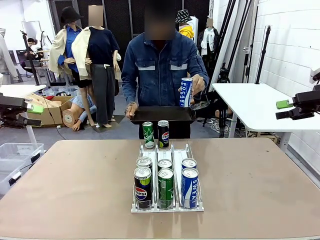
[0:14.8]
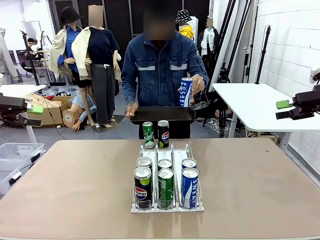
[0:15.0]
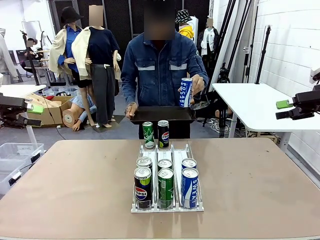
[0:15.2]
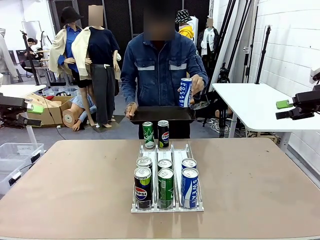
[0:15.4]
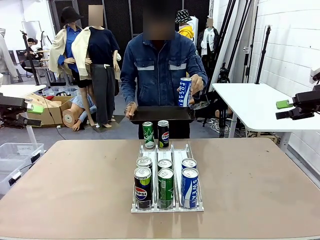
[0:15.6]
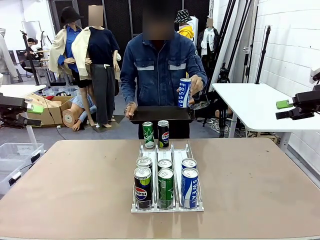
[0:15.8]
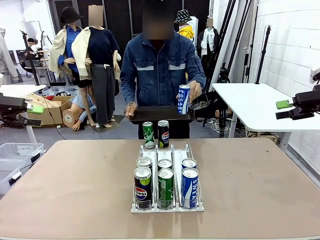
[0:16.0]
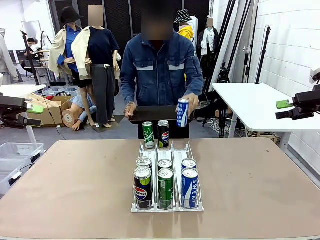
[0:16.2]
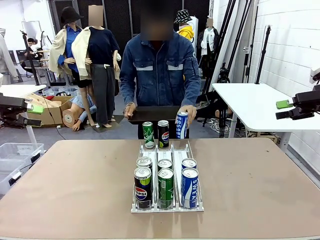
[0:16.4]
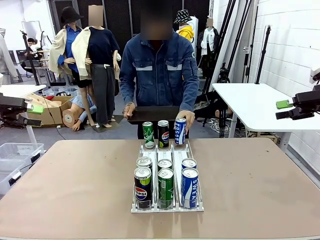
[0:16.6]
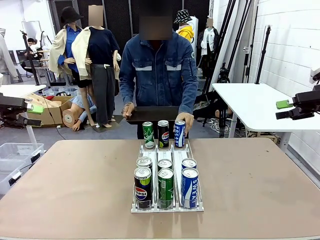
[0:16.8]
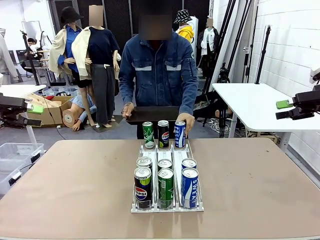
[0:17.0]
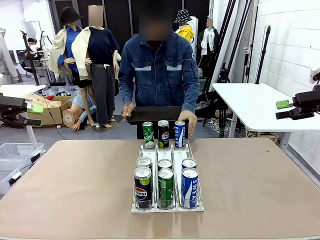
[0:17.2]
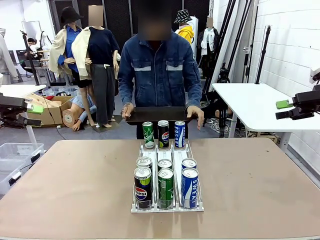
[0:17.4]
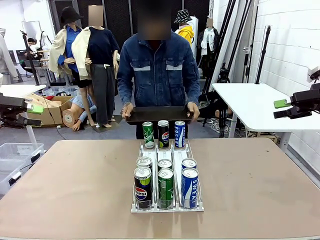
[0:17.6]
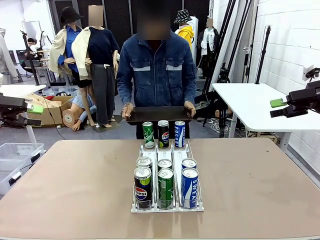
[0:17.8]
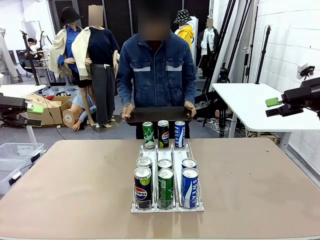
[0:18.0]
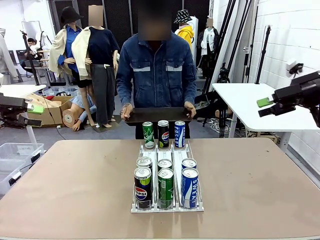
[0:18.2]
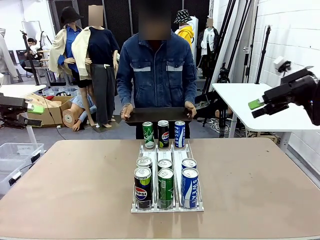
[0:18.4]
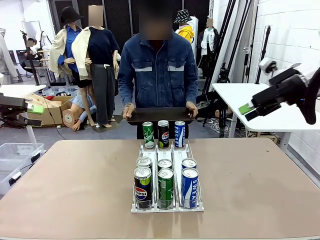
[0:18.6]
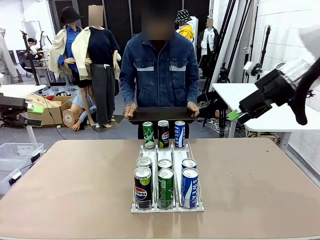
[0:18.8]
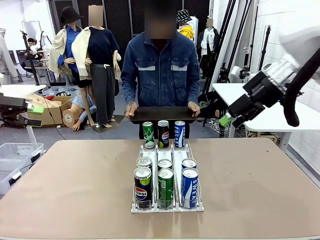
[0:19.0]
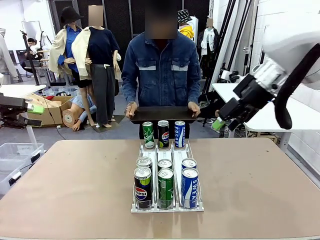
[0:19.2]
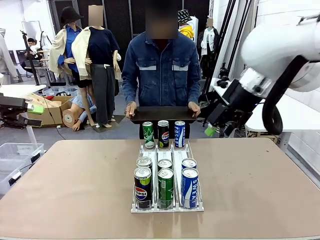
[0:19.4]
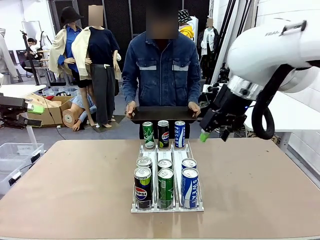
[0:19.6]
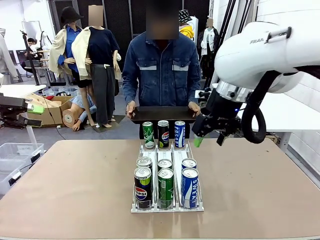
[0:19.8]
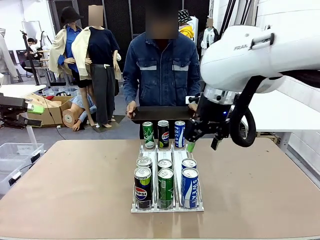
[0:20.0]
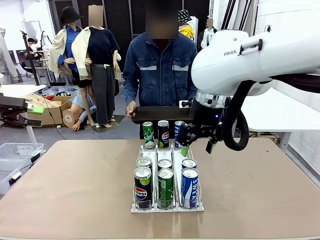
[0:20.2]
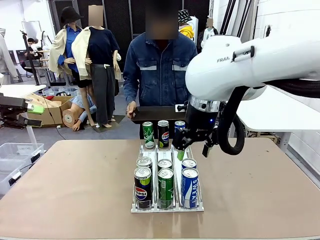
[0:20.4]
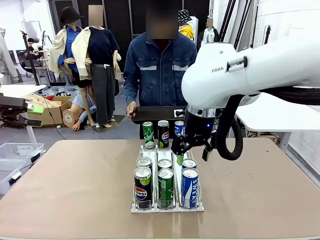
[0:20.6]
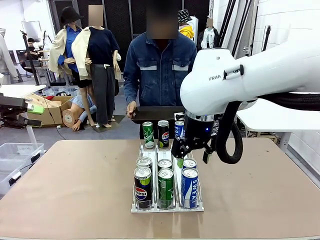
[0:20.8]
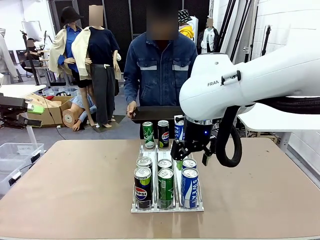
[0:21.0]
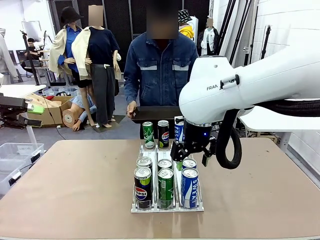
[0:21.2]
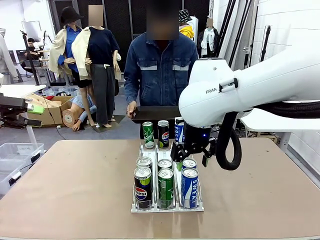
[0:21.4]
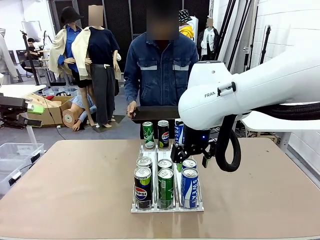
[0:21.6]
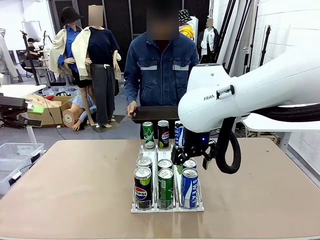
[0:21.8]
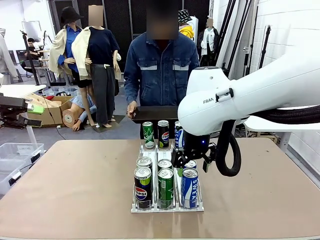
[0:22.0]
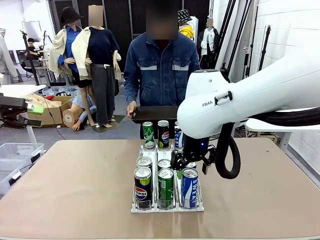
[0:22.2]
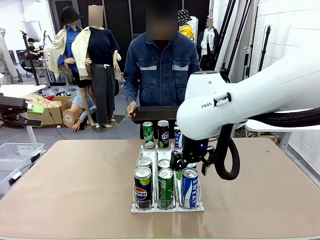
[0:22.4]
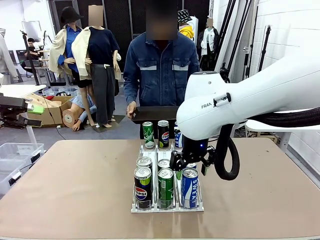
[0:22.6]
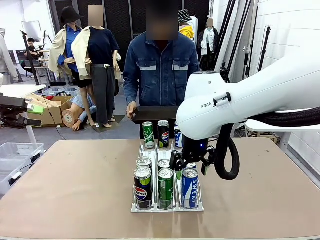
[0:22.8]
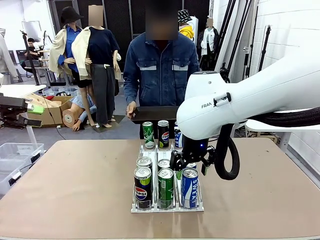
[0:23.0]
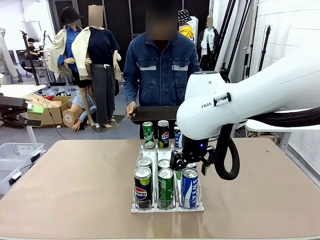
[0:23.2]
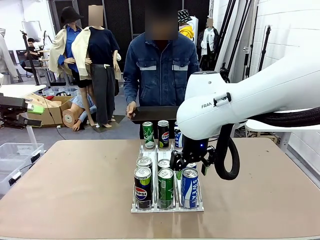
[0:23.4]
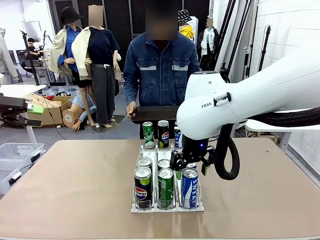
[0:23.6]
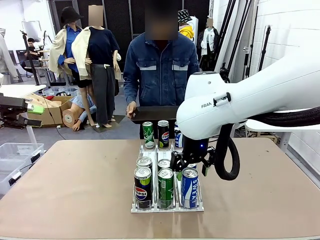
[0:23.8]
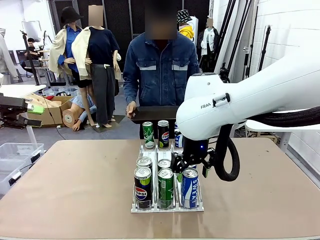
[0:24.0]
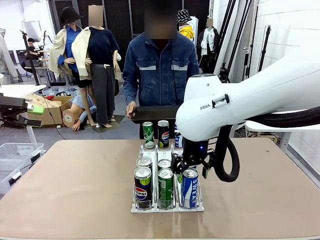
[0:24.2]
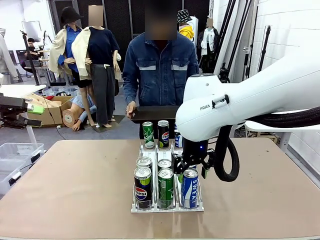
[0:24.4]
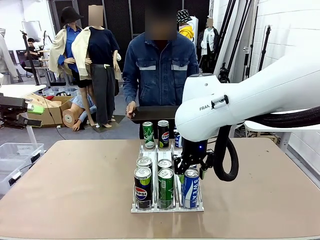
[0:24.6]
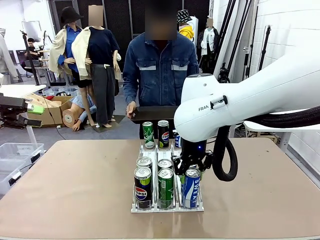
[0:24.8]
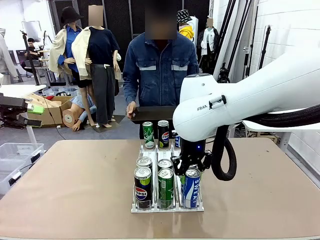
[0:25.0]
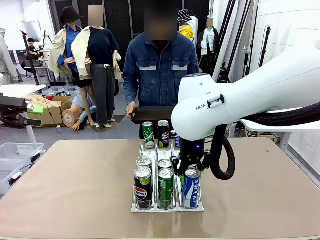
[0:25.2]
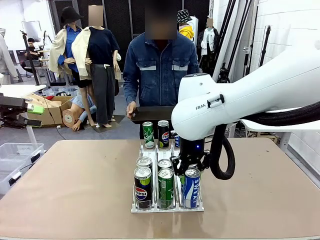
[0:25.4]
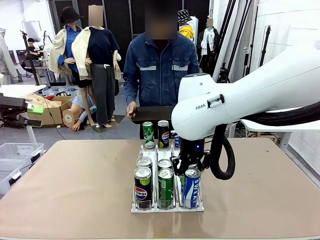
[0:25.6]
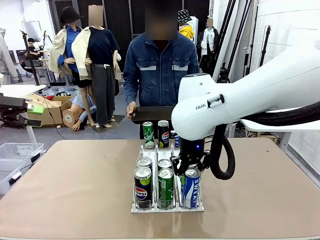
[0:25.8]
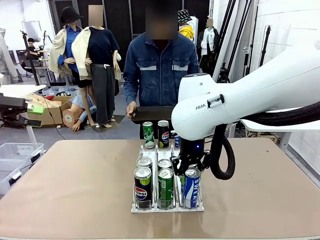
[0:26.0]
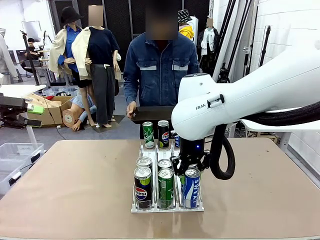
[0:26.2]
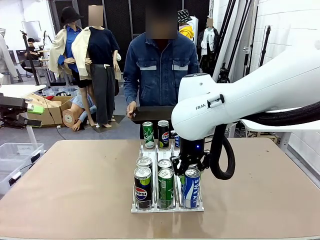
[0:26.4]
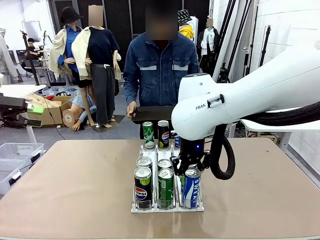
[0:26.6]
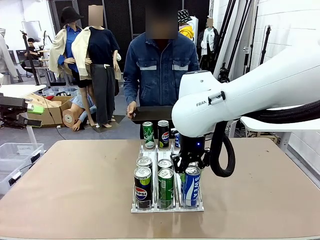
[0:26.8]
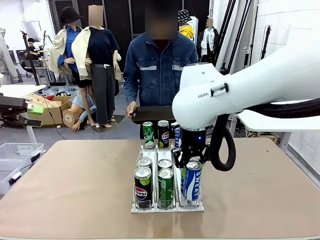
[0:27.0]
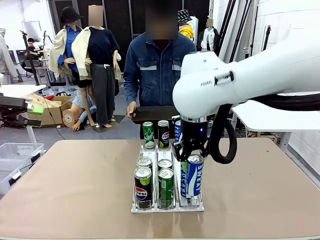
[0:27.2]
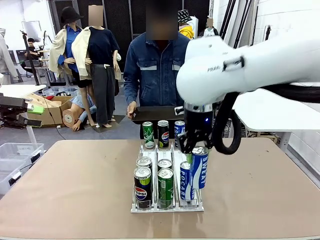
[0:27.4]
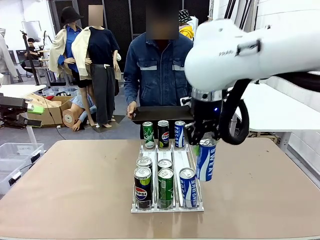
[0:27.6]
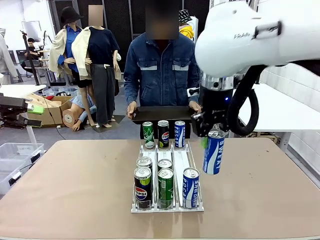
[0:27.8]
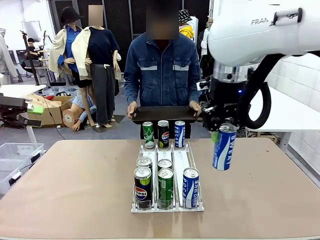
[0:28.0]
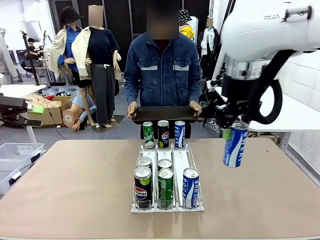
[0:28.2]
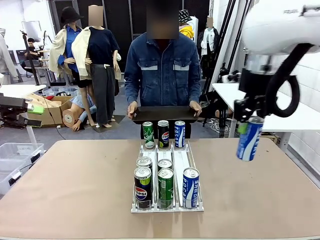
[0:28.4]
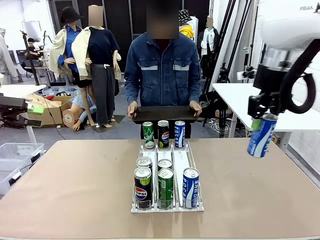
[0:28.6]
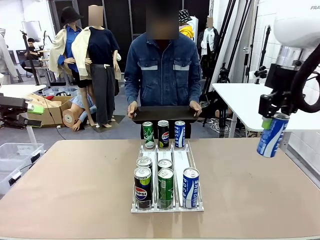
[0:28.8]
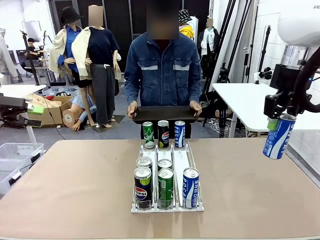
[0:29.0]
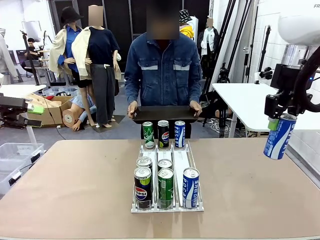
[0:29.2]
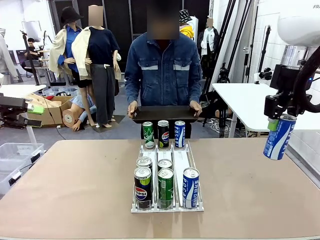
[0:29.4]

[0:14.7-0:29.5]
Task: Retrieve and hand over the desired beverage to the person.
Robot: Pick up a can of the same type that the person held from the Automatic Can Dispenser.
Person: Push the tray toward the robot.

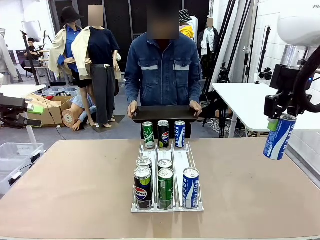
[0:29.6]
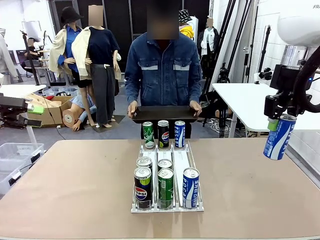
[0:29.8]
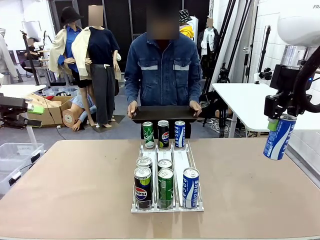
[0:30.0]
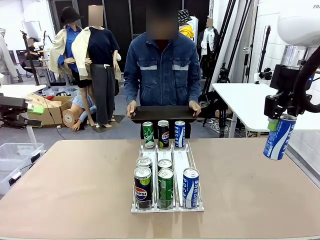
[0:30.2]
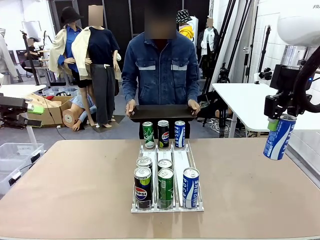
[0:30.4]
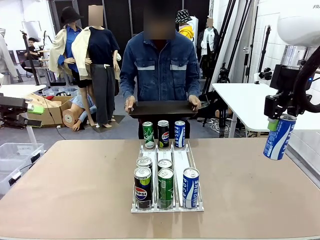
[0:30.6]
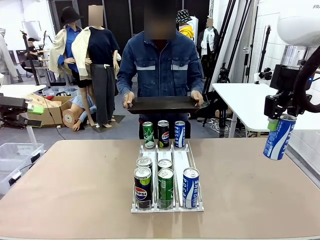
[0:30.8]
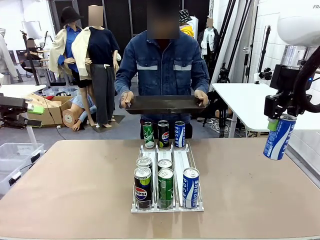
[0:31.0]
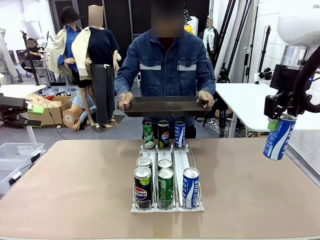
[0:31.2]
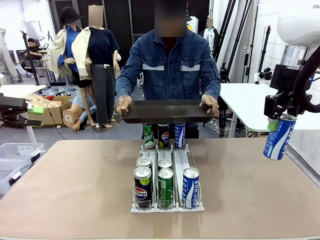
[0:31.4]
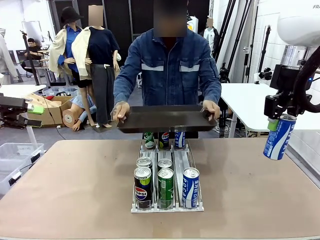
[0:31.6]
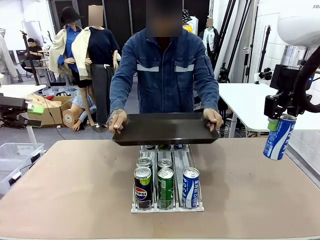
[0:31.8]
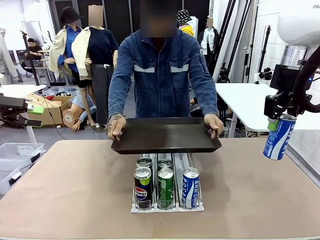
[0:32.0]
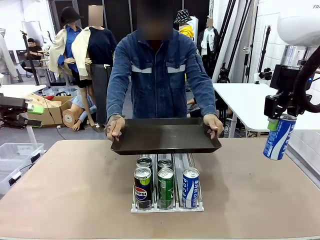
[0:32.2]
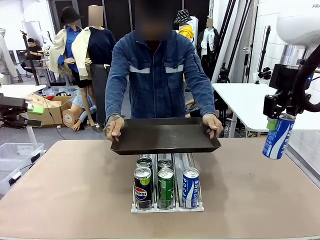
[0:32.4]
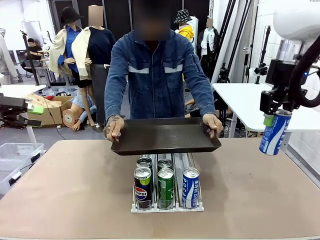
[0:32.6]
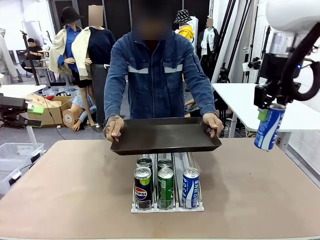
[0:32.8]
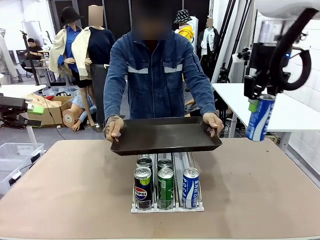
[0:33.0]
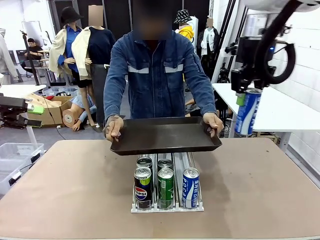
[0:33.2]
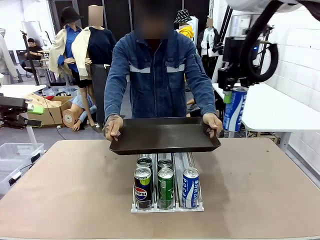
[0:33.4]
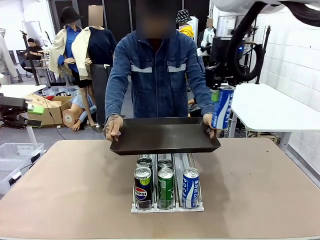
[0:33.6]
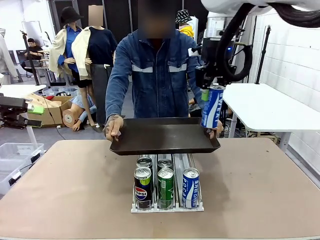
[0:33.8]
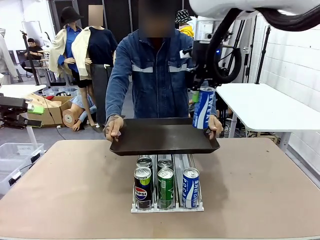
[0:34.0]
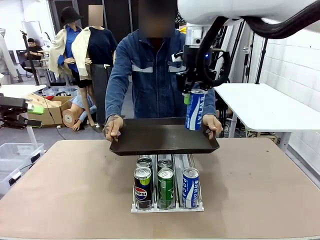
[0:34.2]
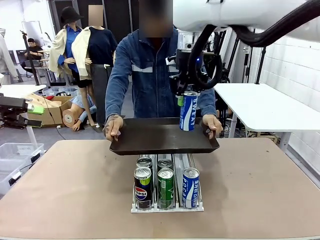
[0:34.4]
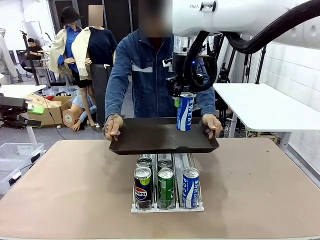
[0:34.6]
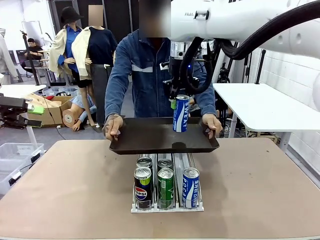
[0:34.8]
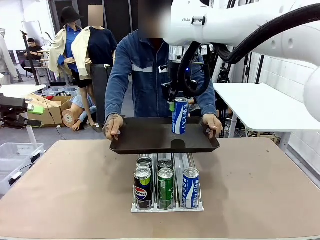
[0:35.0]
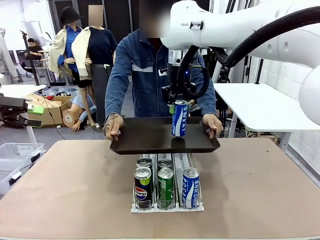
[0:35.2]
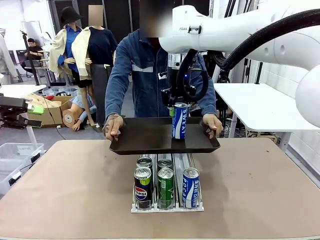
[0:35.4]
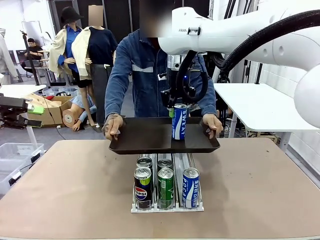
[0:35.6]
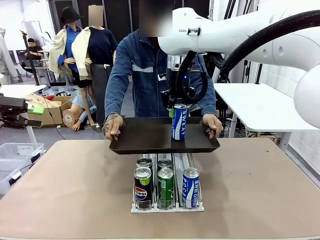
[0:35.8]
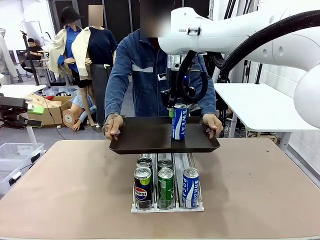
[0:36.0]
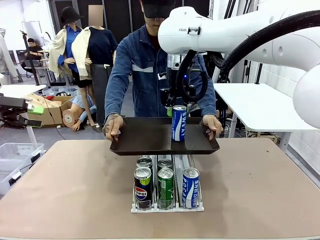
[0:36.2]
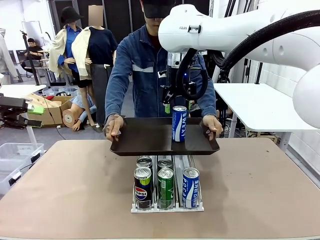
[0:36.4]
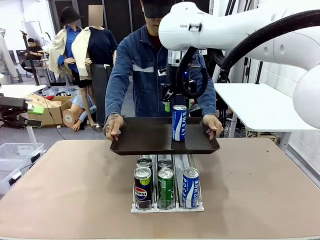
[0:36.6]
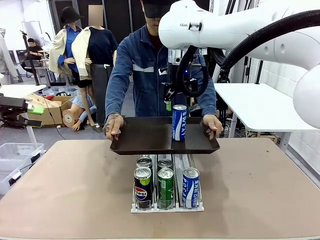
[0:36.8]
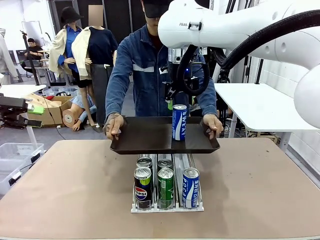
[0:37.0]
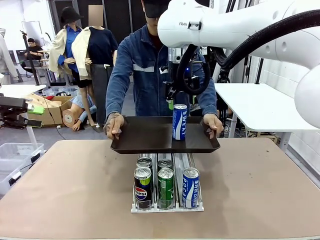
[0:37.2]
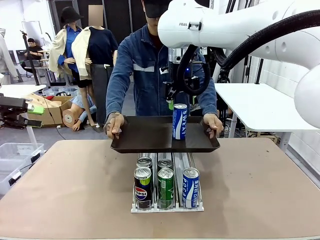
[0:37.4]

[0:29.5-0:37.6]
Robot: Place the picked can on the Handle tray extended by the person.
